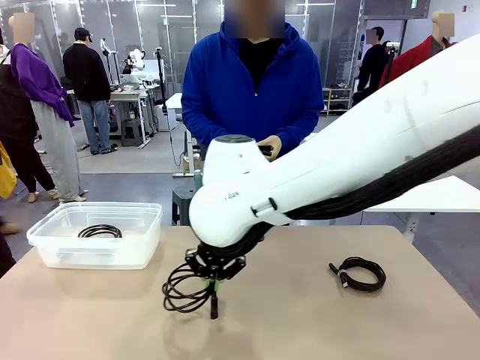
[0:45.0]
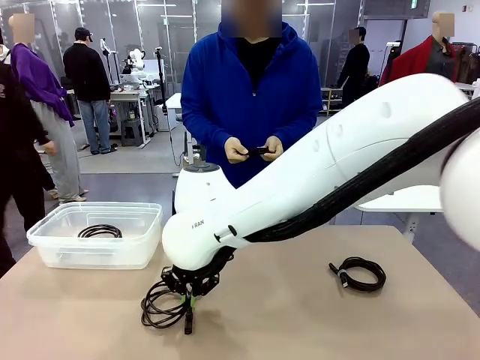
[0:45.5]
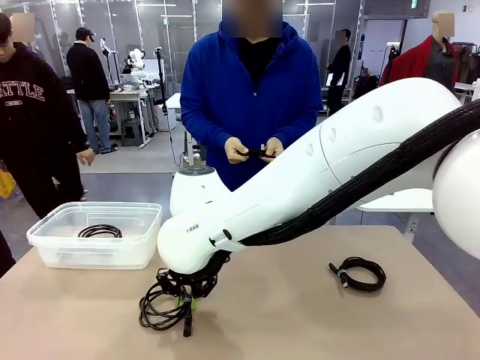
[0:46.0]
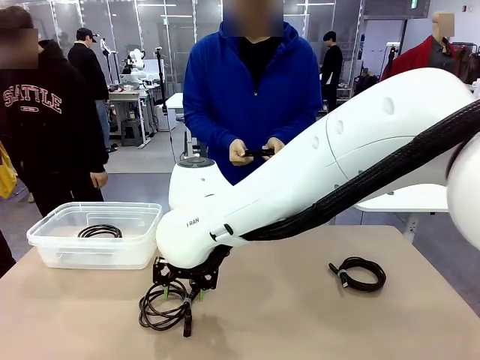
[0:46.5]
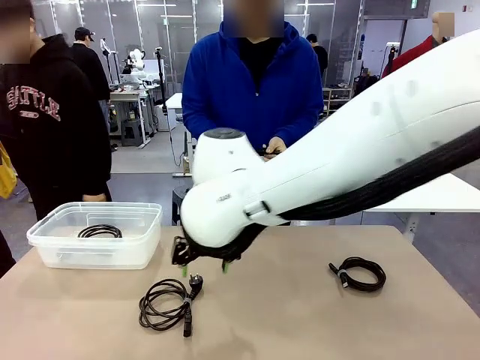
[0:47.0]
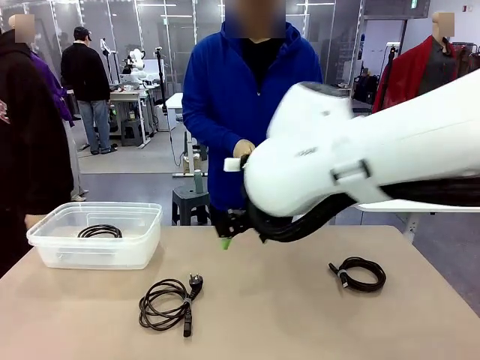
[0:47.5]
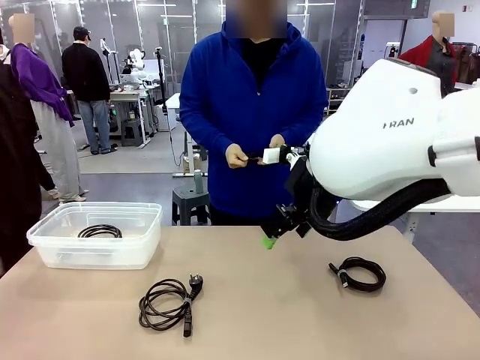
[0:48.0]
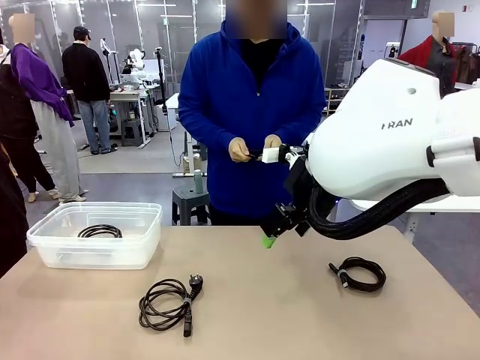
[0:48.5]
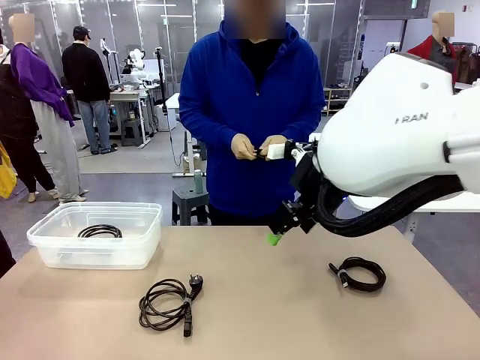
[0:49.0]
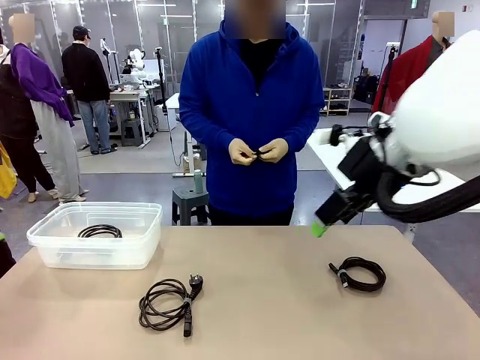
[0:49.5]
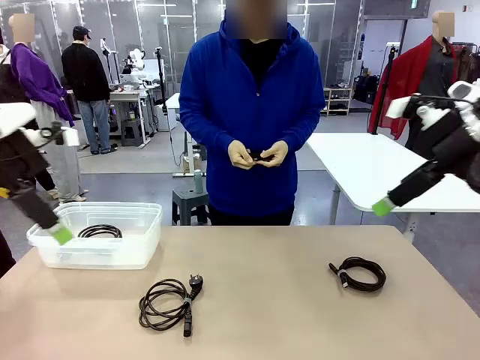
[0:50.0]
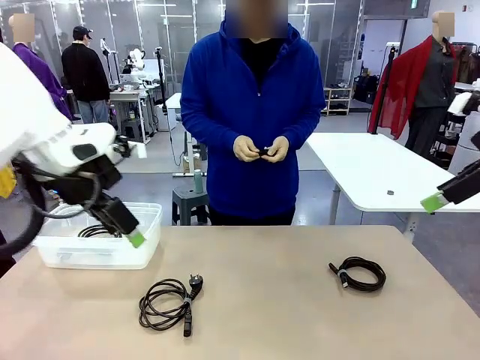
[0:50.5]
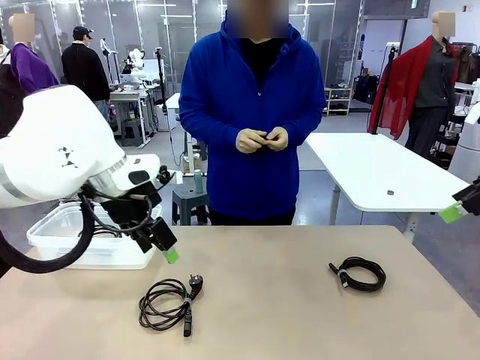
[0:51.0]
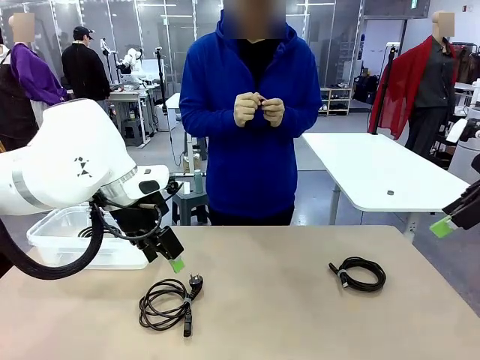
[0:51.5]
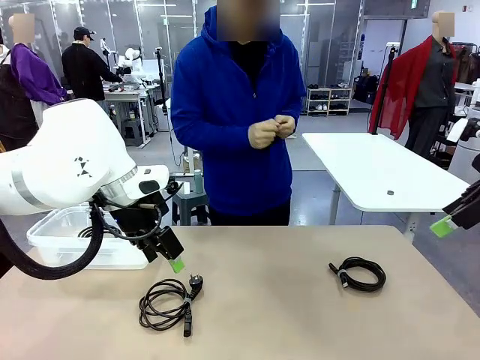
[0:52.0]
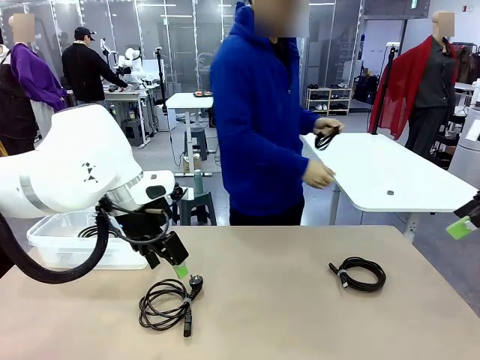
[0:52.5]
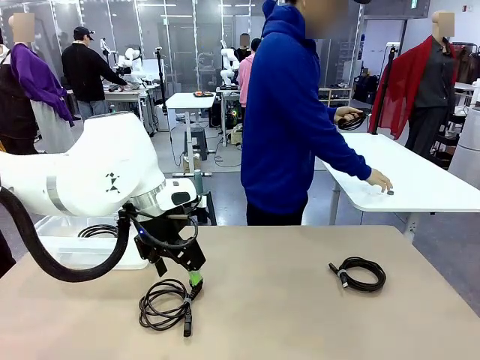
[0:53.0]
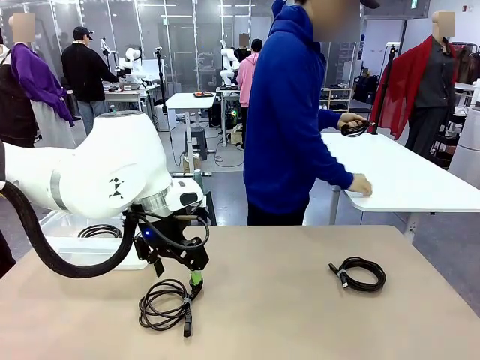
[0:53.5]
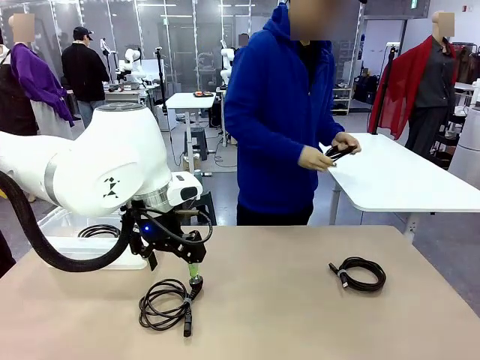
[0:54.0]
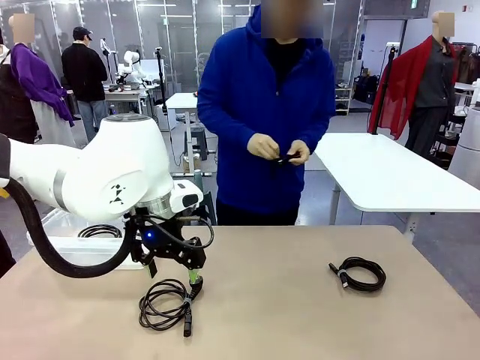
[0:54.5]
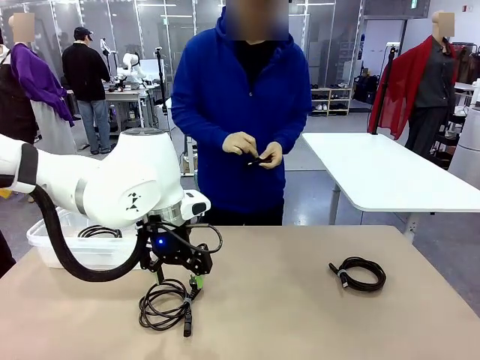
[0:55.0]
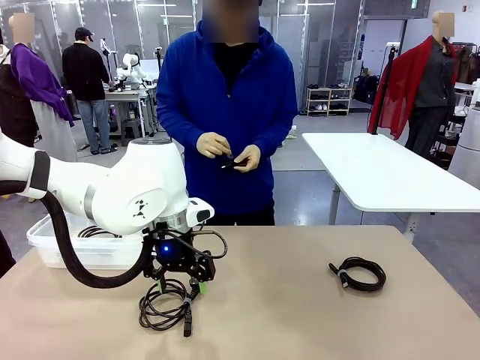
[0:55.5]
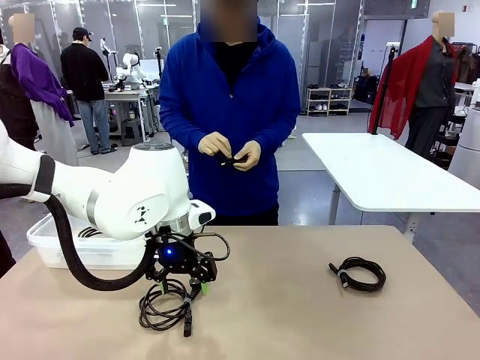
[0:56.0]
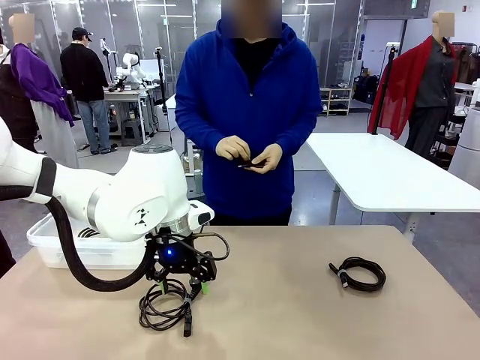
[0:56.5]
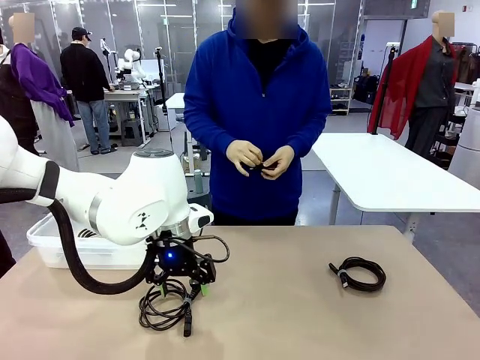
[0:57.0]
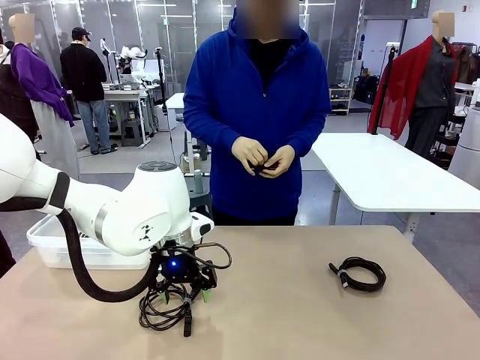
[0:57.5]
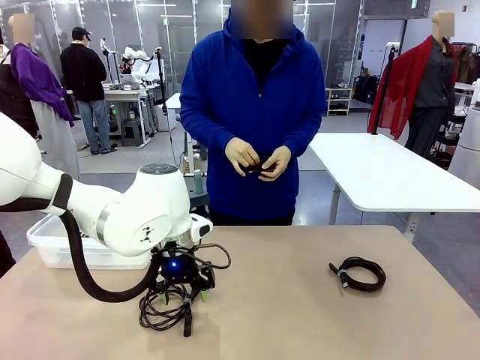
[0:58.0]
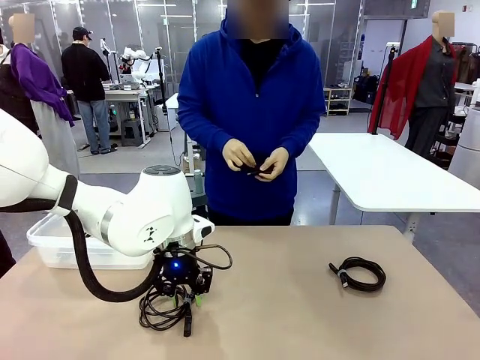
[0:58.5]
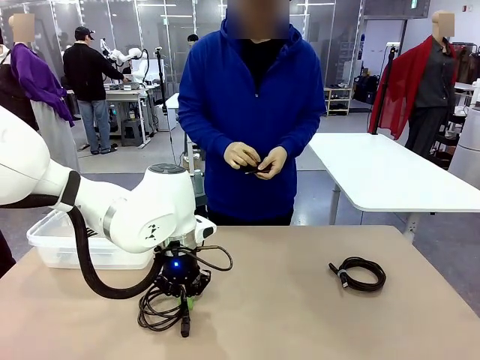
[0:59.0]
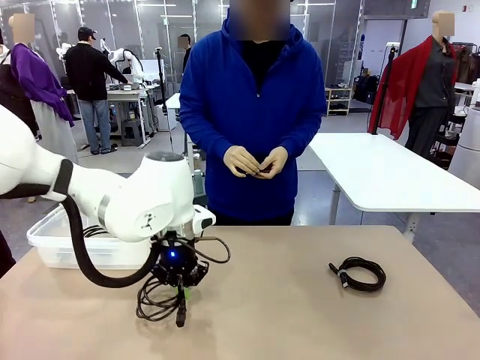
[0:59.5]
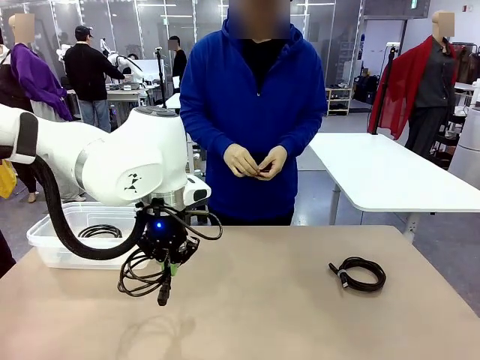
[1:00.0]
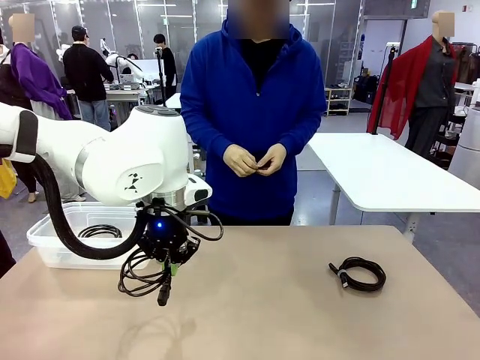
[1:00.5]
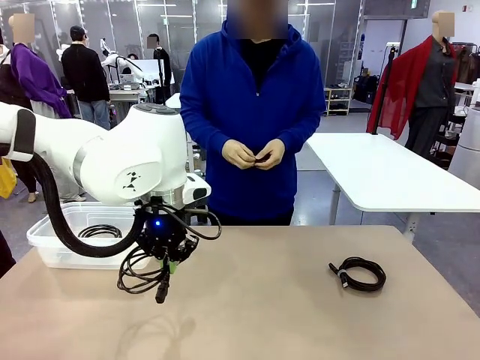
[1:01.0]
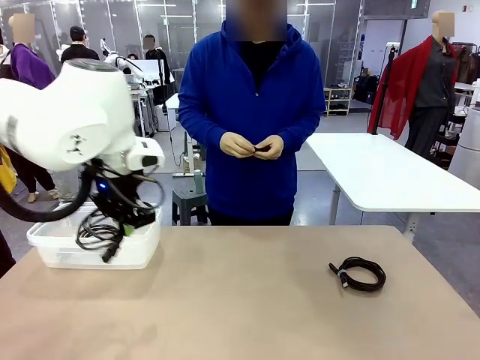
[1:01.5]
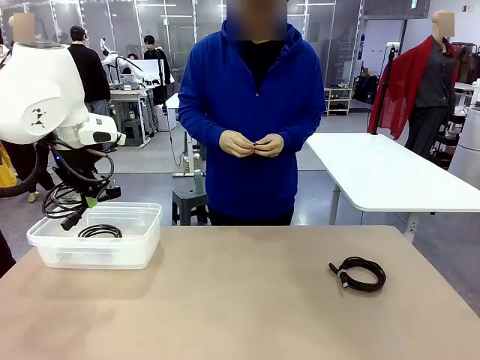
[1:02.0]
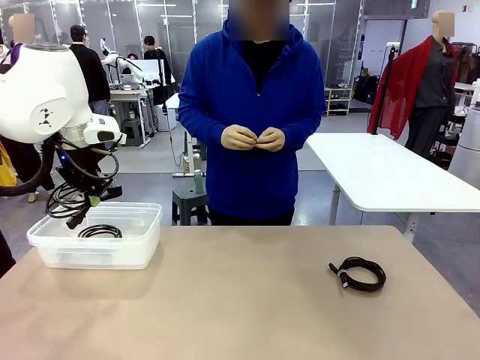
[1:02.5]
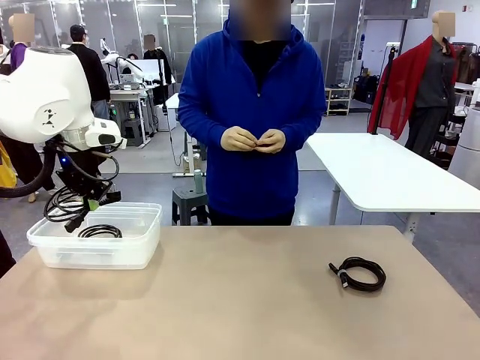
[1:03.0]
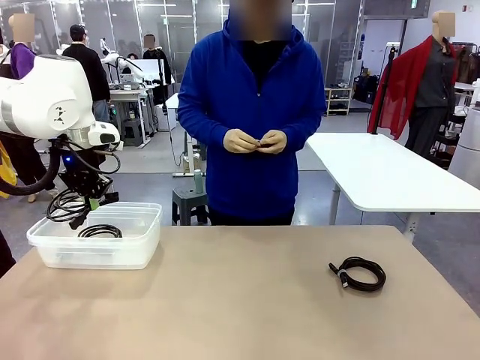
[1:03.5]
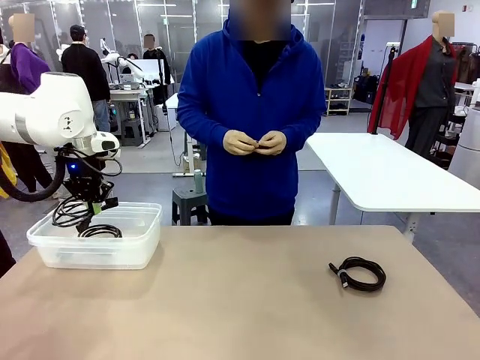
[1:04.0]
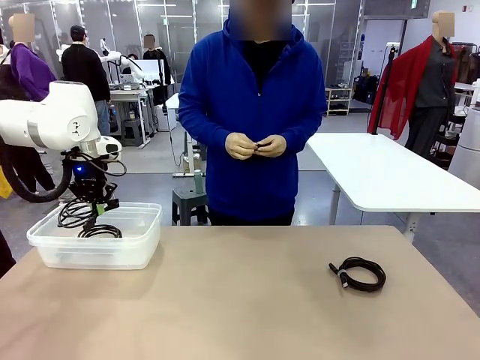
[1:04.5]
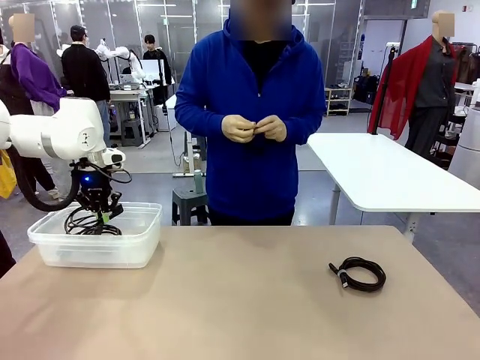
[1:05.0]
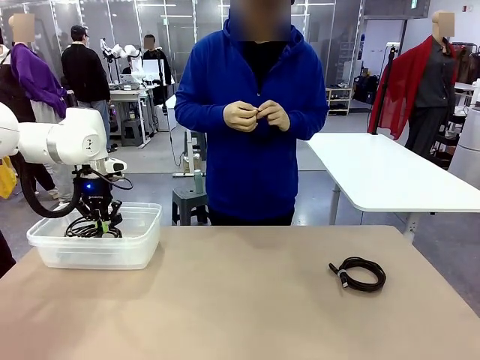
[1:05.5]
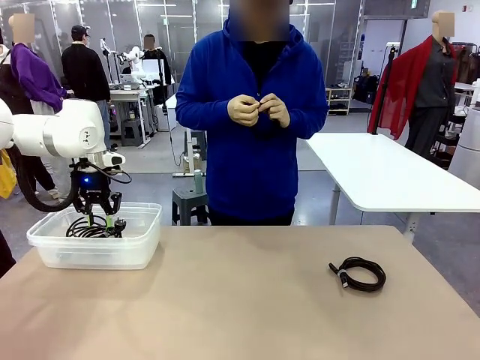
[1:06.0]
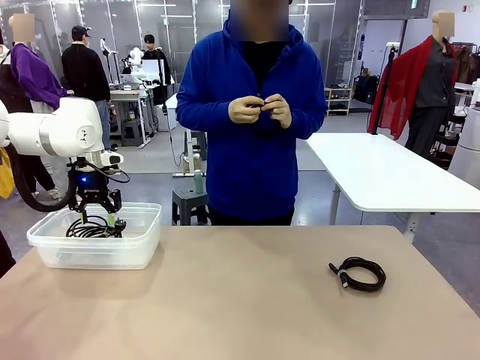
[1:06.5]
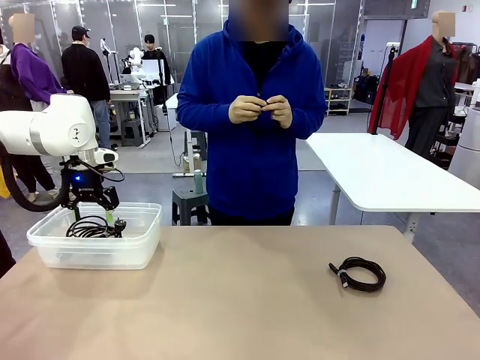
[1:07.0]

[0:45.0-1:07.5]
Task: Organize and store the cables.
Robot: Place the Power Cable into the Organizing box.

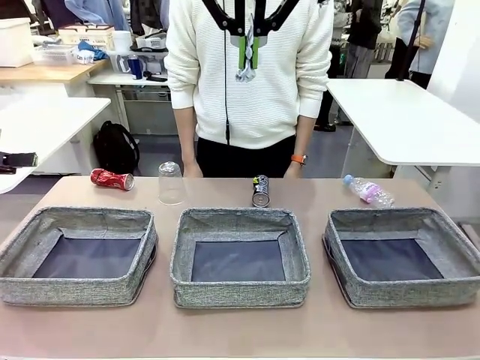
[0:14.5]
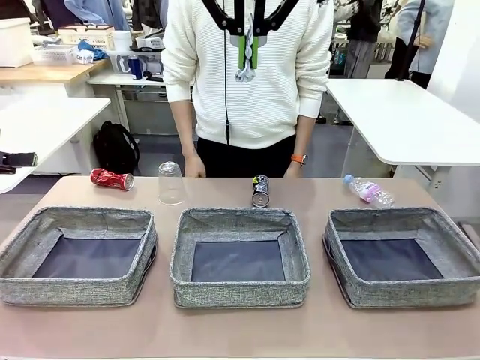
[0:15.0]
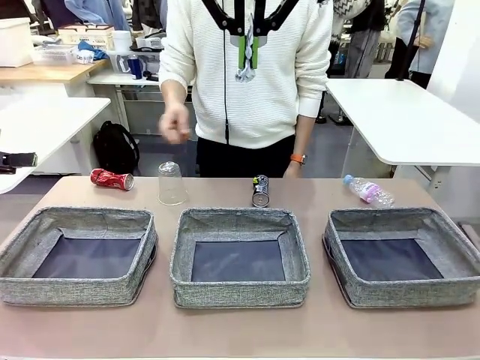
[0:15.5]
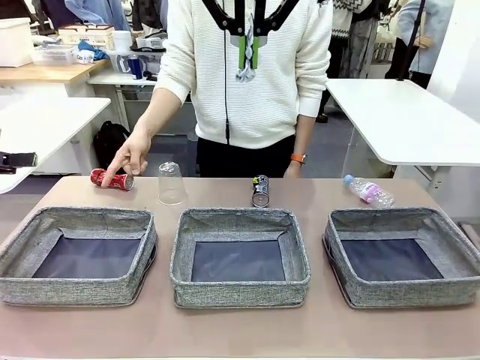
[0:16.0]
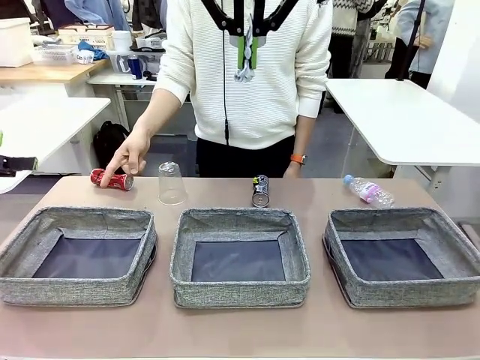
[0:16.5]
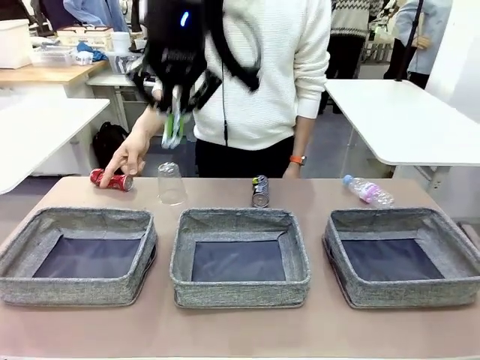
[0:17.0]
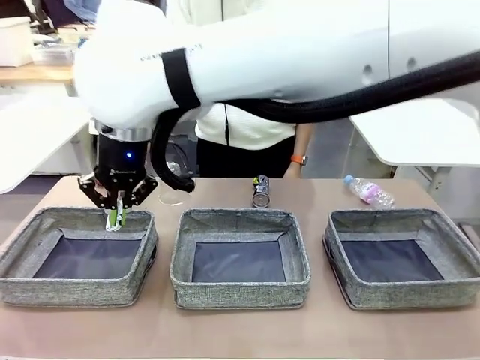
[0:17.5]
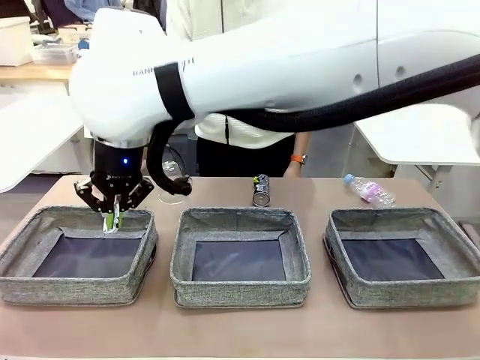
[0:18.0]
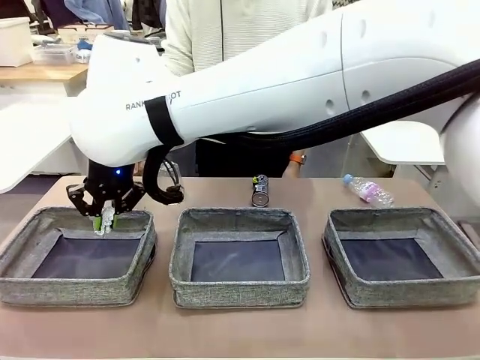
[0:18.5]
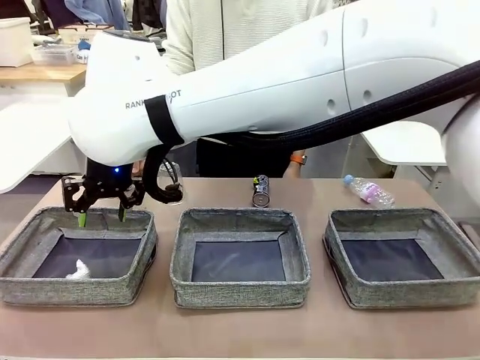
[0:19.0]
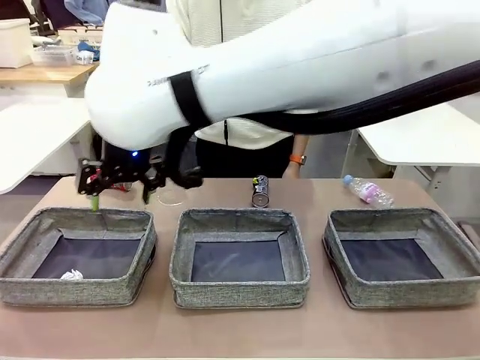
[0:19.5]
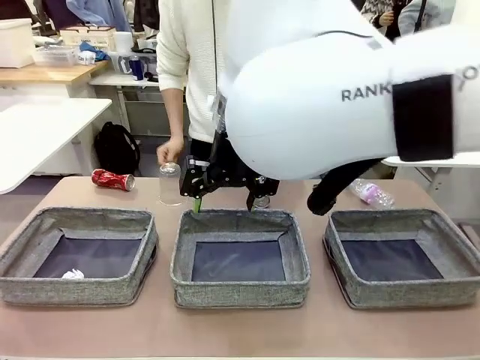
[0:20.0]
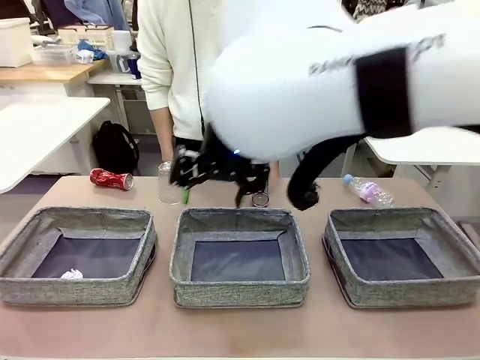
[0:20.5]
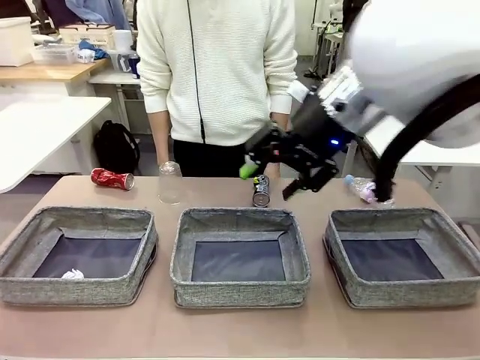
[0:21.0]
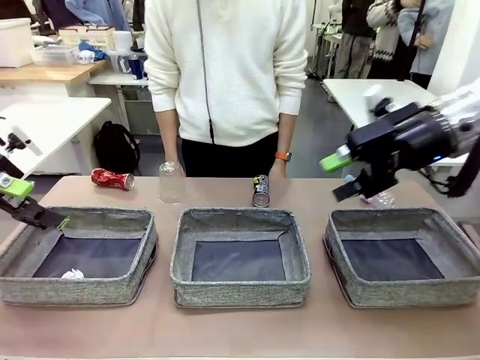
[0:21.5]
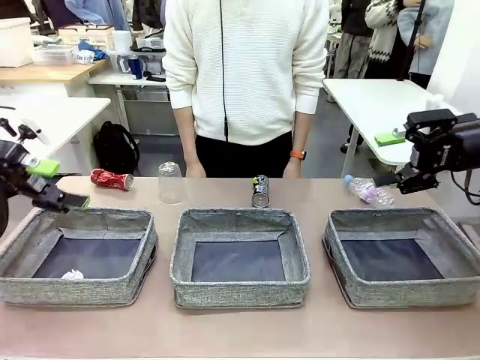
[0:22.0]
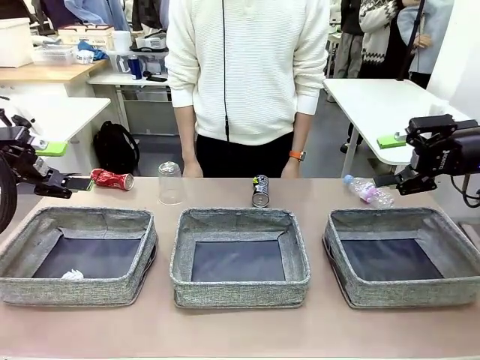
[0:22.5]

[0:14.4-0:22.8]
Task: Sort the waste into the appropriate baskets.
Robot: Place the picked waste into the Fabric basket indicated by the person.
Person: Instructs the robot to place the picked-up trash into the appropriate organizing basket.
